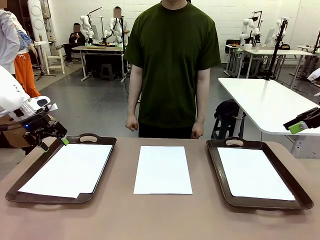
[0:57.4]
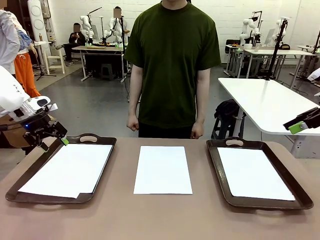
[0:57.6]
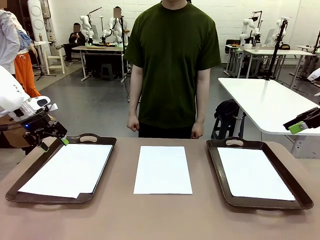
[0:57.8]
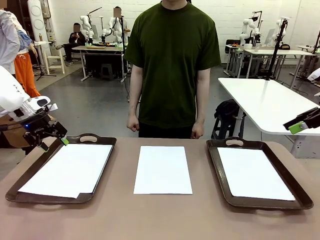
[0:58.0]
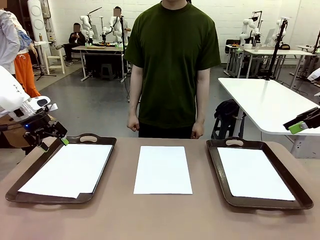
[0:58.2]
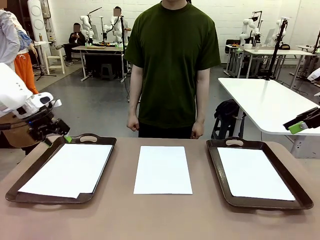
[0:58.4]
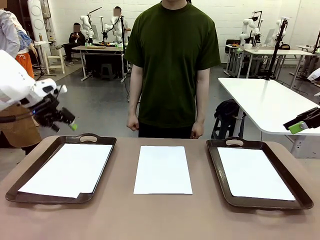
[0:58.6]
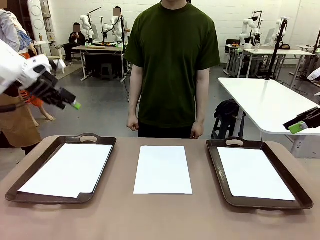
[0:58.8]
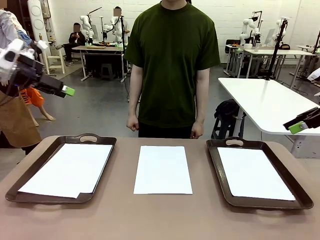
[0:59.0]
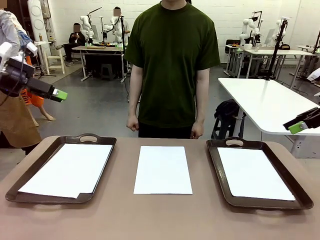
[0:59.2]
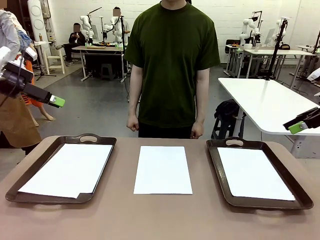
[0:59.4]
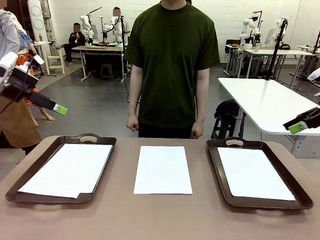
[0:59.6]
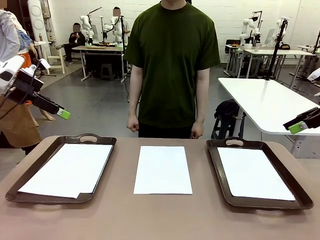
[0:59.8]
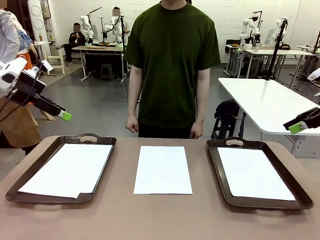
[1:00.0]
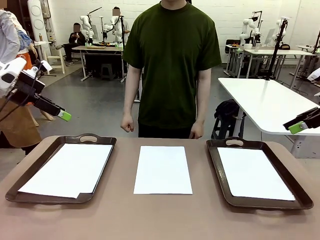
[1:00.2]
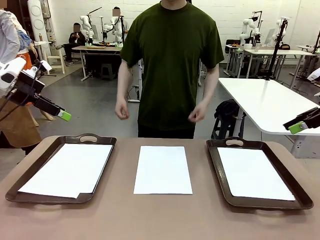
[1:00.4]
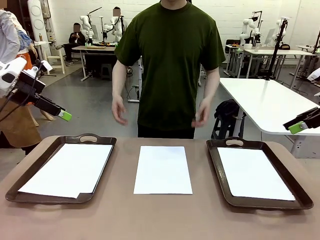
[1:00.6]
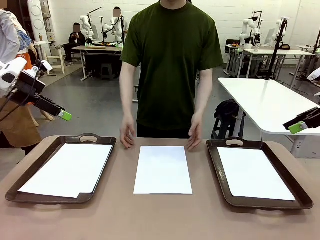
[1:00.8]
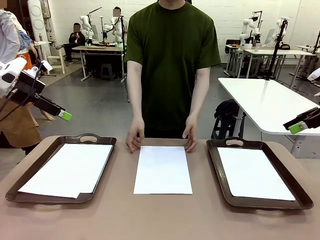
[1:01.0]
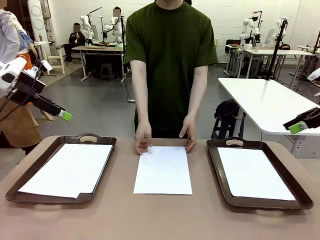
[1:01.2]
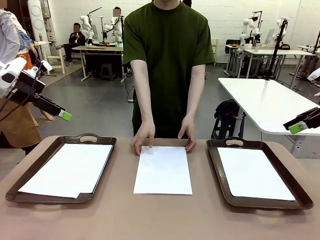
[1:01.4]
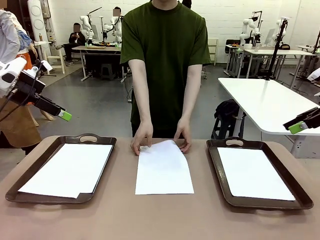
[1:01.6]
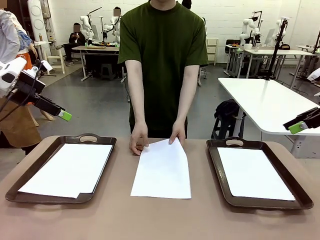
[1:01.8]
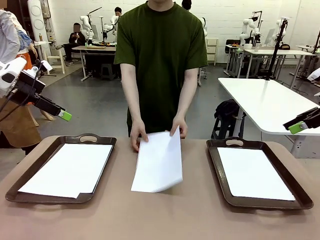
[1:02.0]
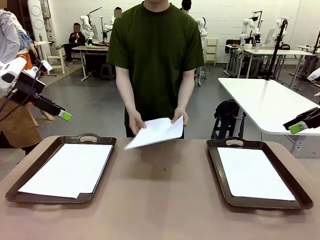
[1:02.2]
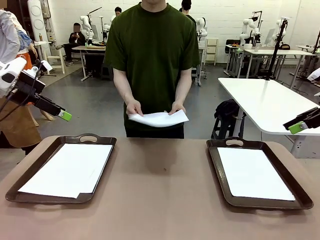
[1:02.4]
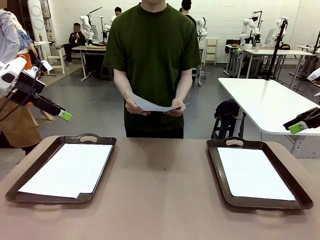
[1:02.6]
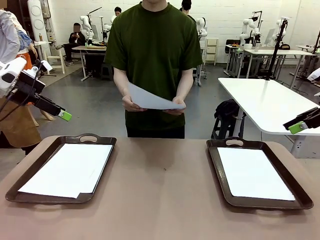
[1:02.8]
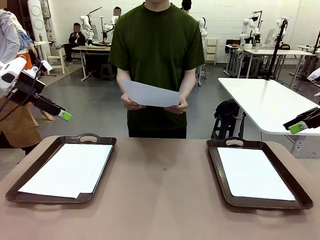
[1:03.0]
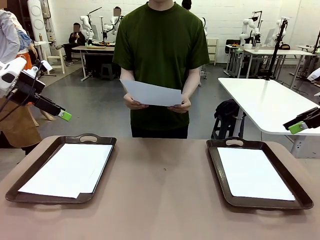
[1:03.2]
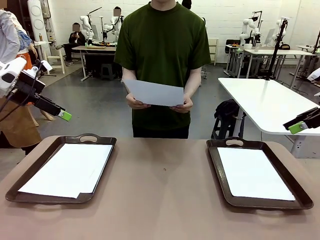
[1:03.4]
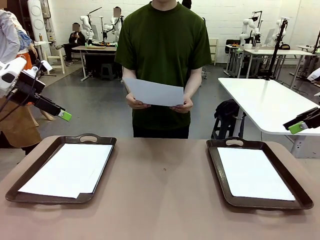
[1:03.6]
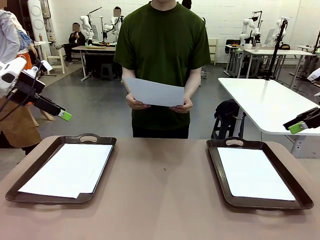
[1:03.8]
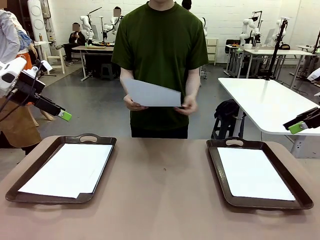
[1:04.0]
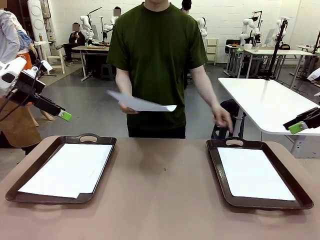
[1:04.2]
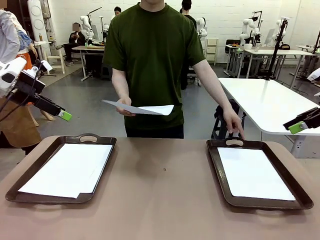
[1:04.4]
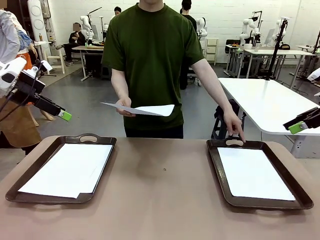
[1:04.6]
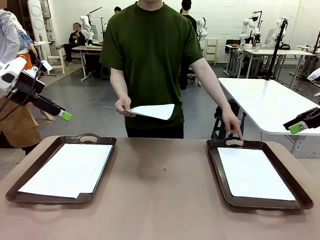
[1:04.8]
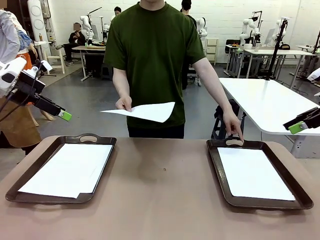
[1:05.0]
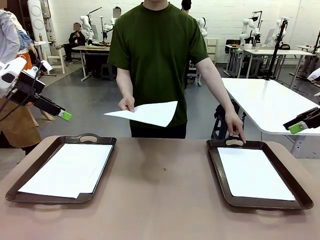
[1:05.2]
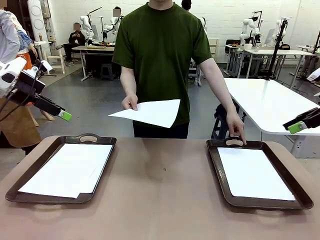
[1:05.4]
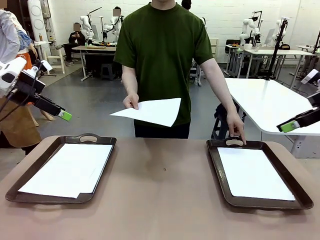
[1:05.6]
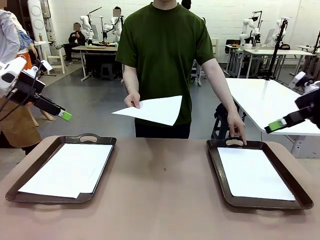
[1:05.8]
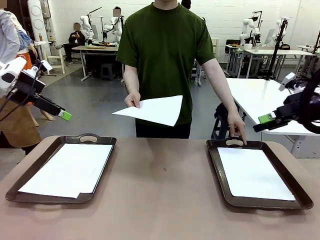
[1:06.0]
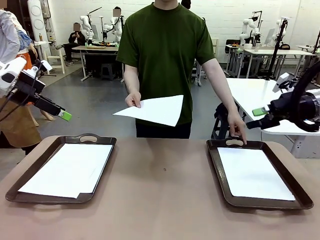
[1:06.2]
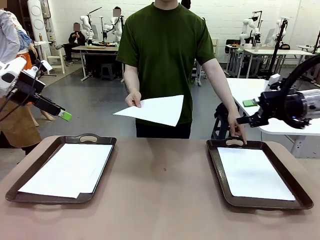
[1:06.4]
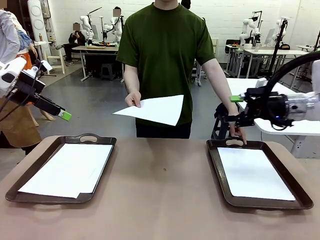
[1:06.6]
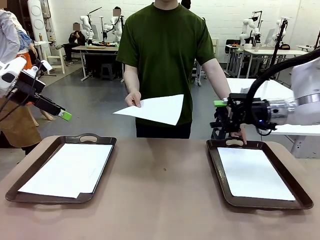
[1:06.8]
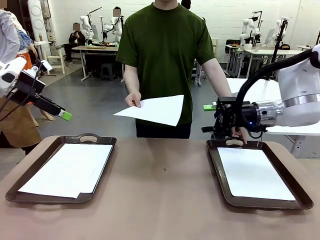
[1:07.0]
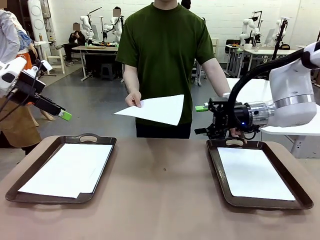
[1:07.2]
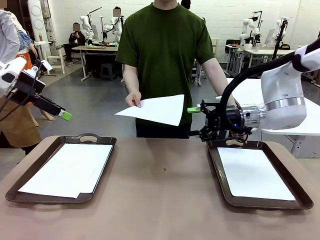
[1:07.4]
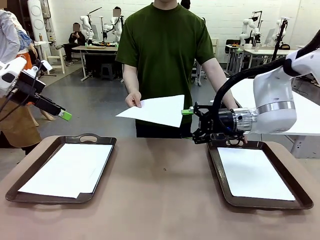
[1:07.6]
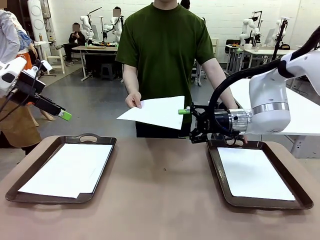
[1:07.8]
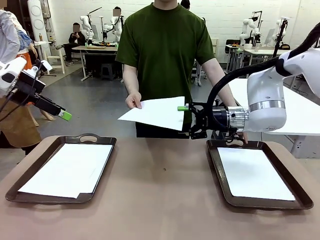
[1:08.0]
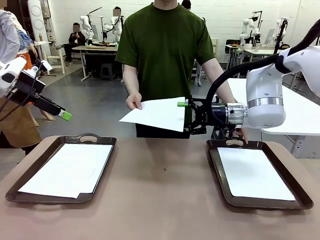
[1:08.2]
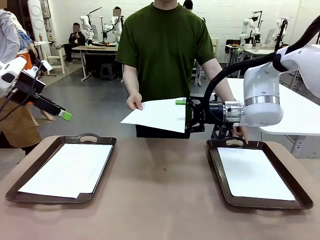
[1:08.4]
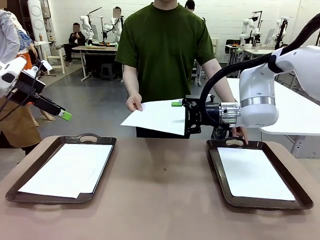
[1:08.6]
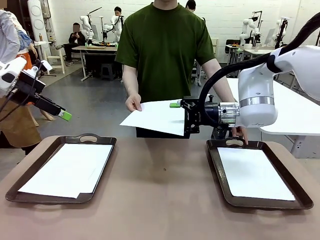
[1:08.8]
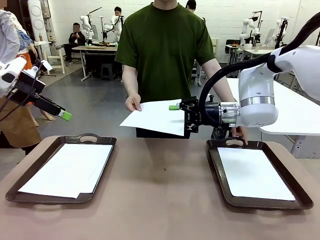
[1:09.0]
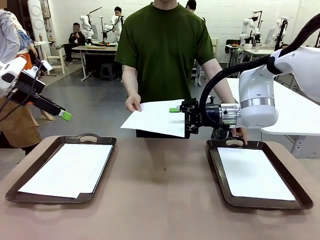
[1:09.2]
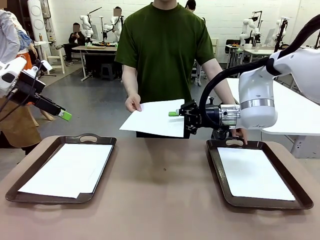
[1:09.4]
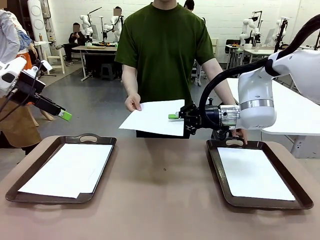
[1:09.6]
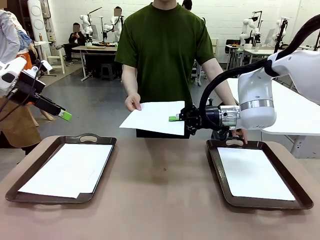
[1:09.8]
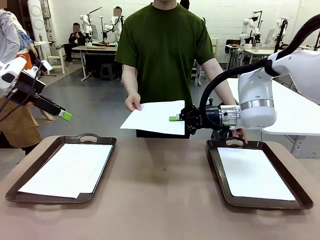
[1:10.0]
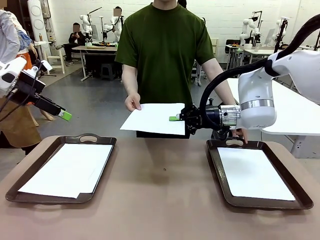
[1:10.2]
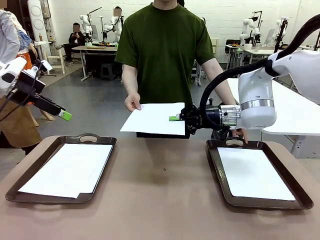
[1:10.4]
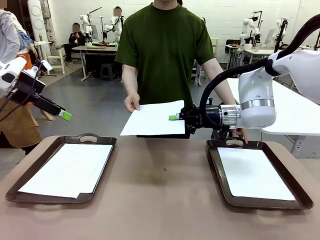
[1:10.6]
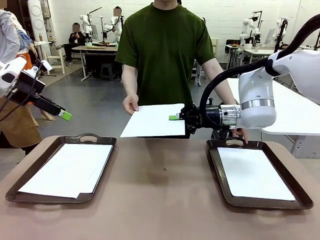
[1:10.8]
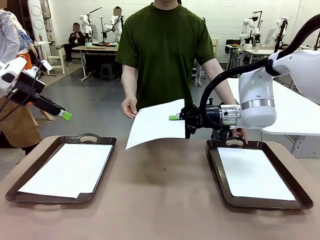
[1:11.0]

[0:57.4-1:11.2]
Task: Sort the A4 documents.
Robot: Receive the A4 Paper.
Person: Point the randomly selected tray with the other hand.

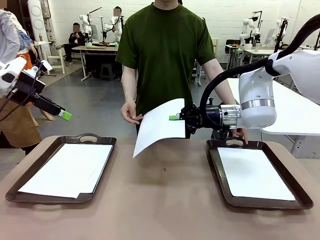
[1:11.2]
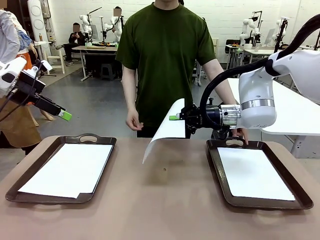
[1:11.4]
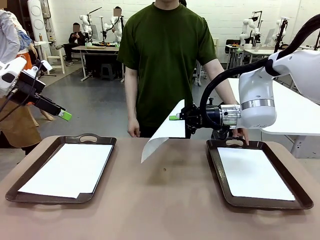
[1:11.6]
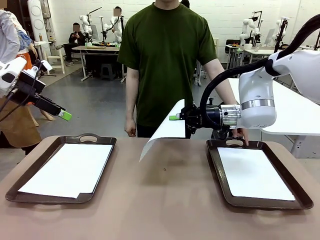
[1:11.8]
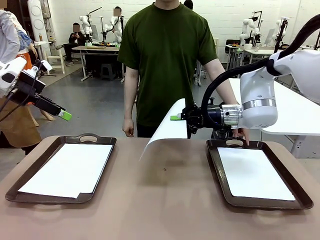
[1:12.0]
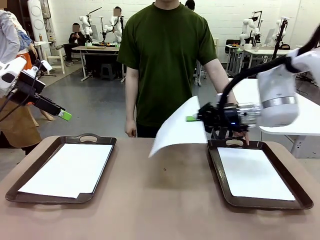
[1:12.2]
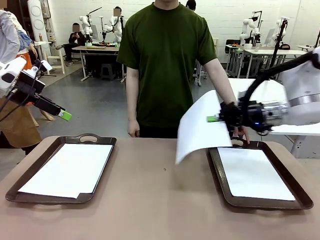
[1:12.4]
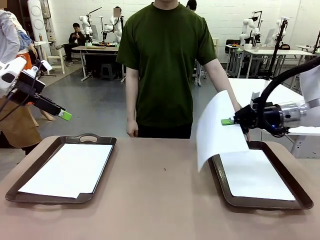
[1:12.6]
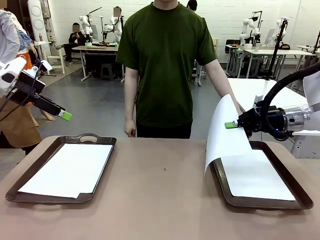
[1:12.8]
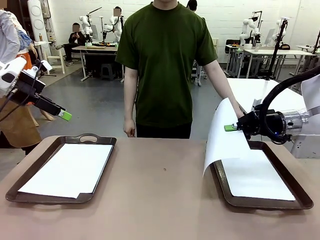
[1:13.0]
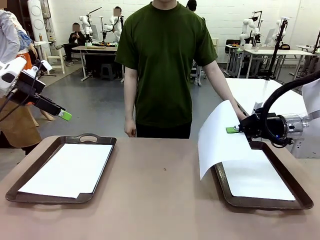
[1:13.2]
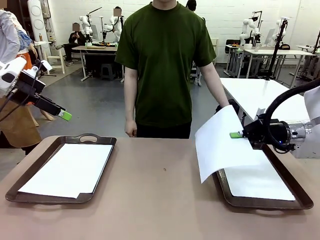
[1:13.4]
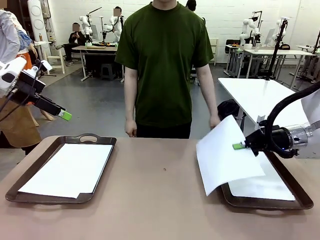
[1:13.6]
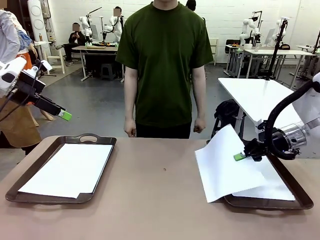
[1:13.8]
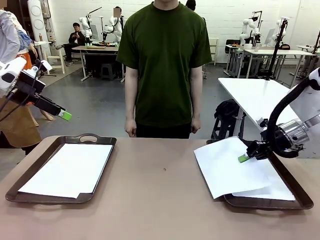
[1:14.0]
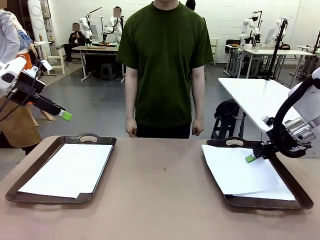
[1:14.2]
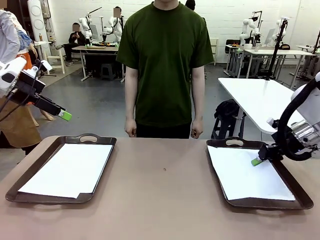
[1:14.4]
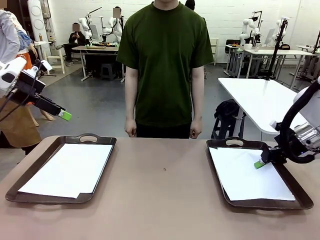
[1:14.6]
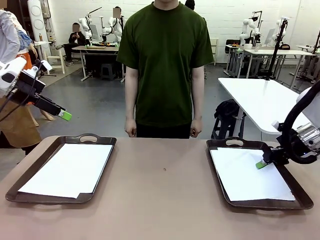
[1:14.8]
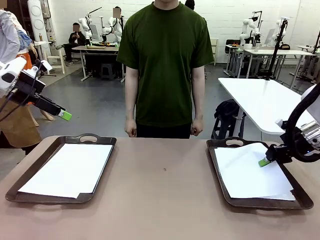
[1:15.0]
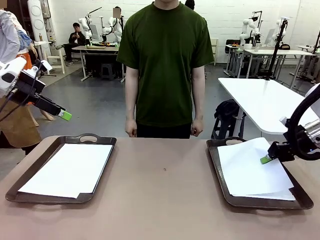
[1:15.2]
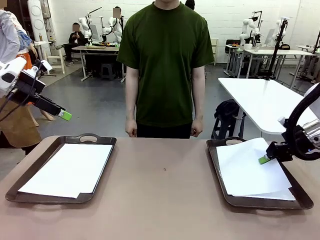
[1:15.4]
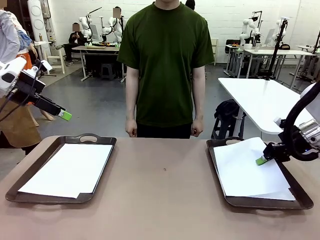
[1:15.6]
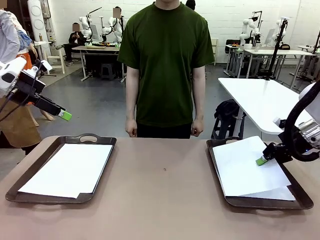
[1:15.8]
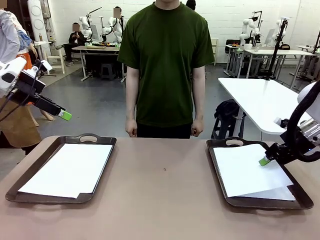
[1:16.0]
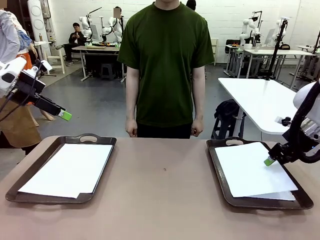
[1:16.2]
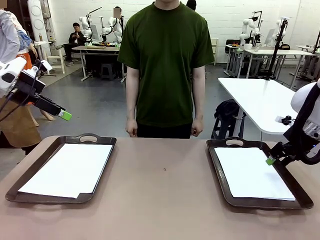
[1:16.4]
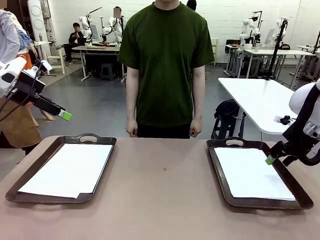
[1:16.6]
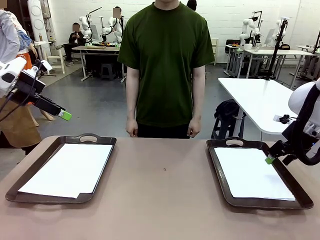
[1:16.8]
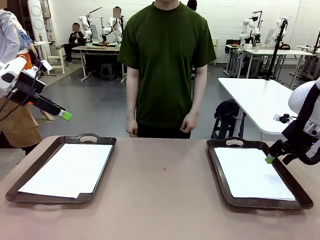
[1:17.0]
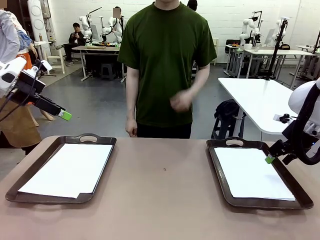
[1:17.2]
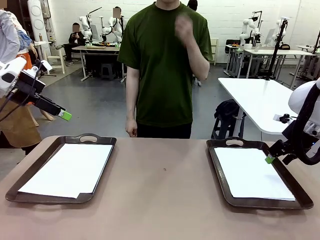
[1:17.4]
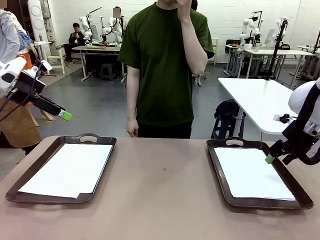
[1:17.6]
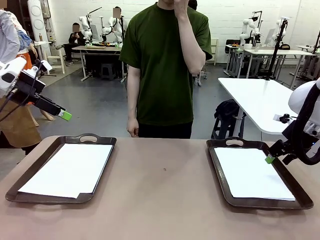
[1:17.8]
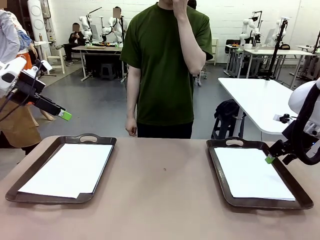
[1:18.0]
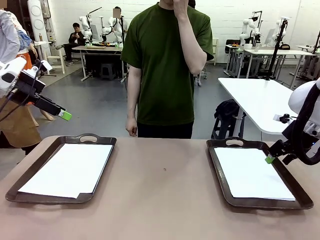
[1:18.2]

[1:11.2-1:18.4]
Robot: Place the A4 Paper in the designated Handle tray.
